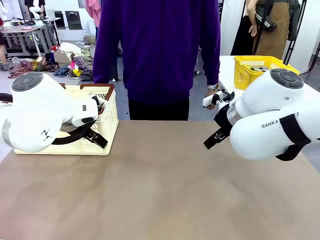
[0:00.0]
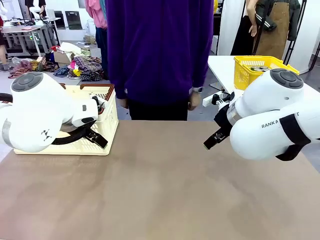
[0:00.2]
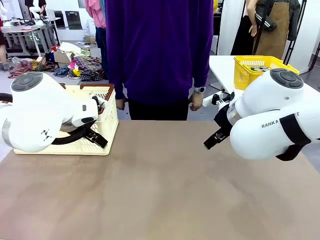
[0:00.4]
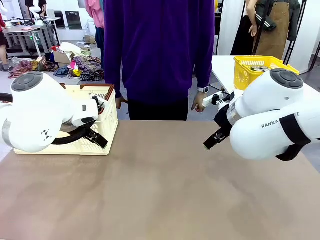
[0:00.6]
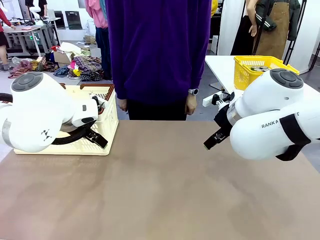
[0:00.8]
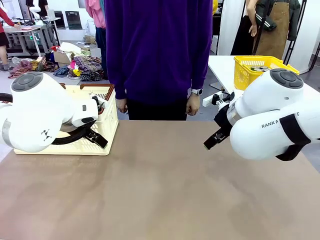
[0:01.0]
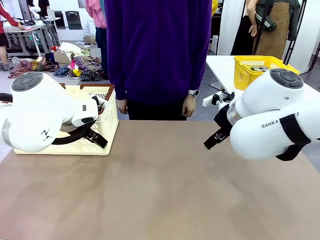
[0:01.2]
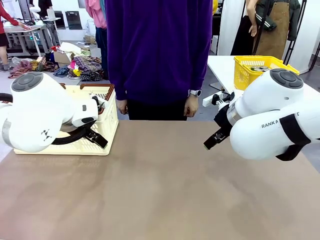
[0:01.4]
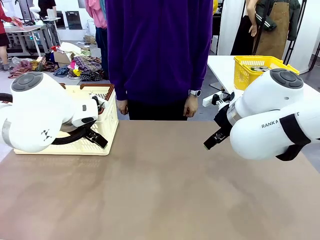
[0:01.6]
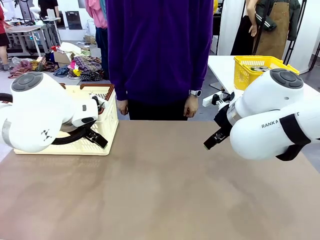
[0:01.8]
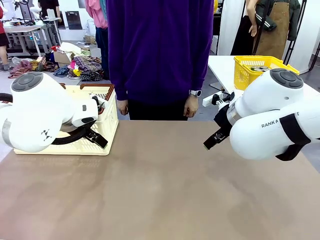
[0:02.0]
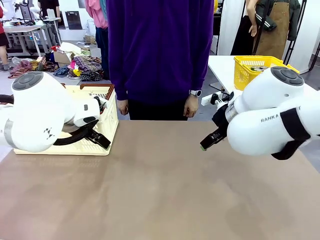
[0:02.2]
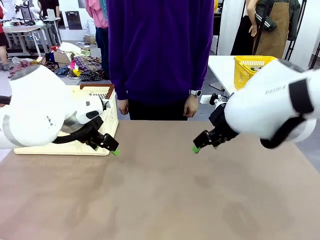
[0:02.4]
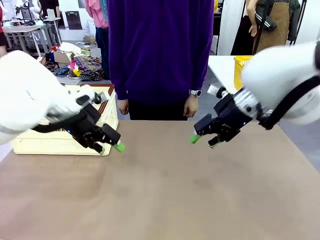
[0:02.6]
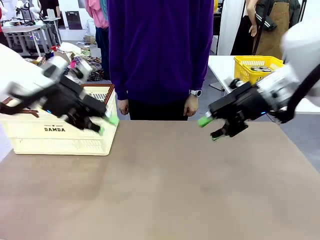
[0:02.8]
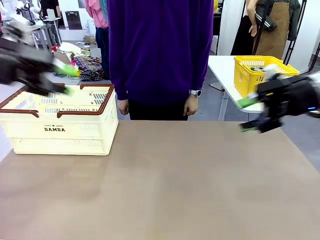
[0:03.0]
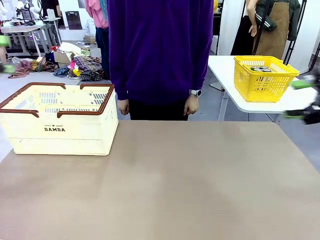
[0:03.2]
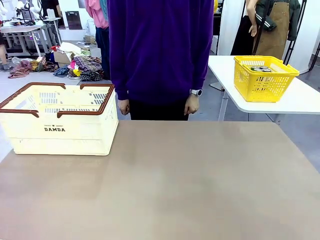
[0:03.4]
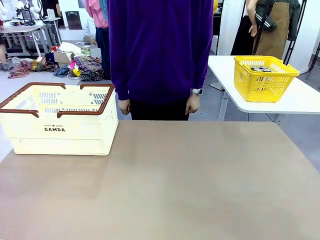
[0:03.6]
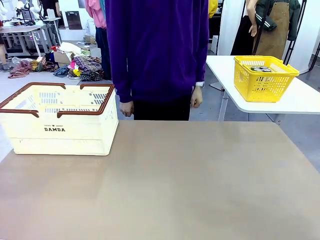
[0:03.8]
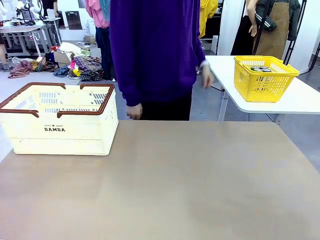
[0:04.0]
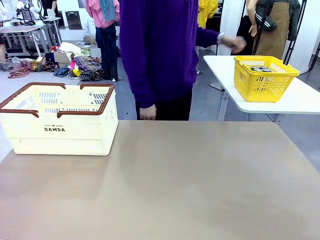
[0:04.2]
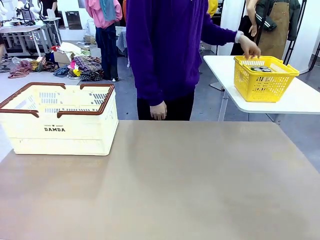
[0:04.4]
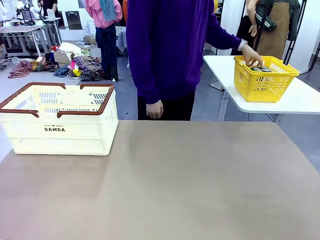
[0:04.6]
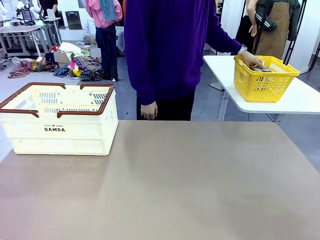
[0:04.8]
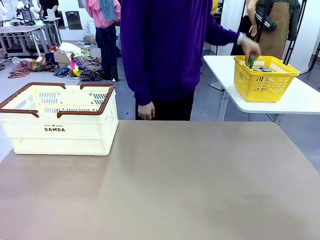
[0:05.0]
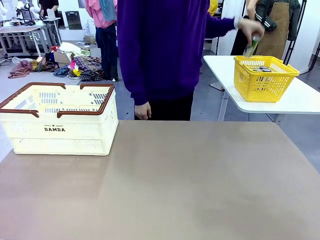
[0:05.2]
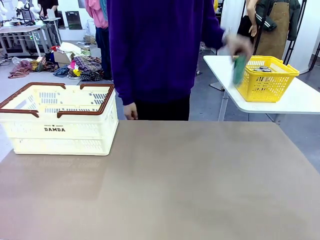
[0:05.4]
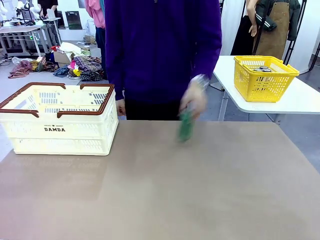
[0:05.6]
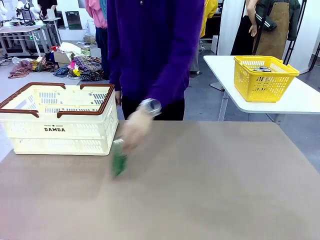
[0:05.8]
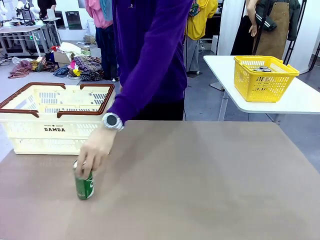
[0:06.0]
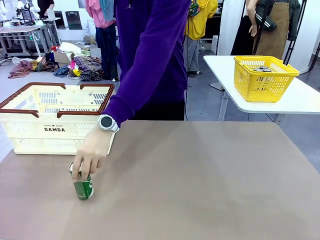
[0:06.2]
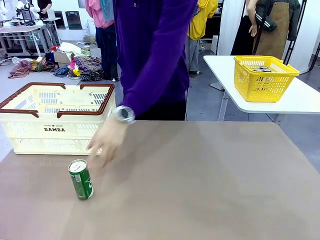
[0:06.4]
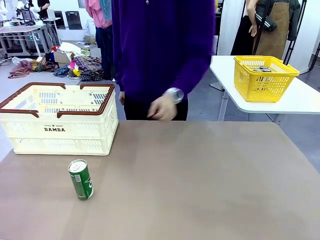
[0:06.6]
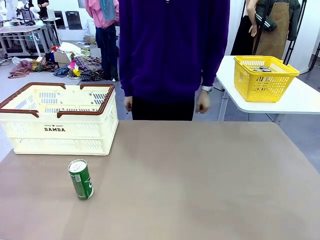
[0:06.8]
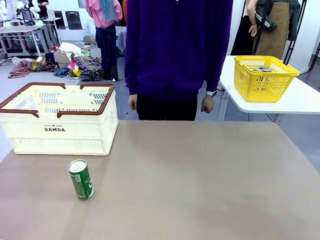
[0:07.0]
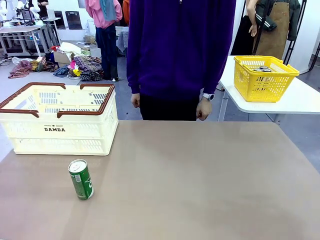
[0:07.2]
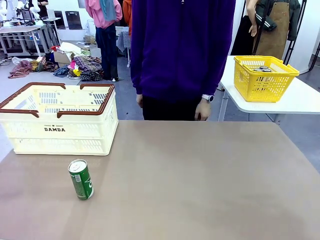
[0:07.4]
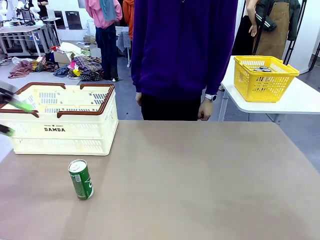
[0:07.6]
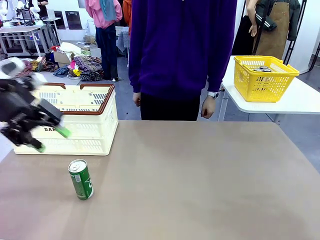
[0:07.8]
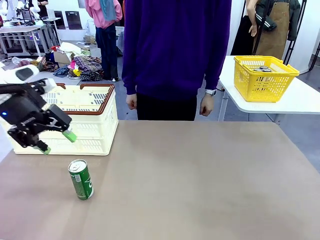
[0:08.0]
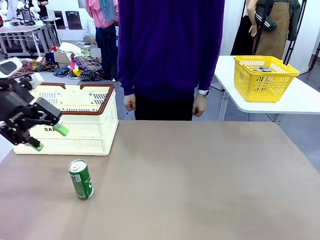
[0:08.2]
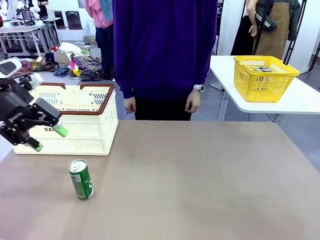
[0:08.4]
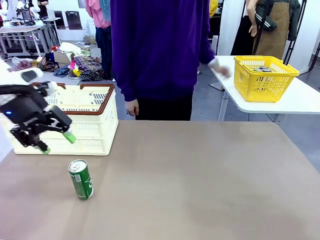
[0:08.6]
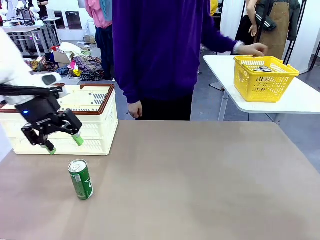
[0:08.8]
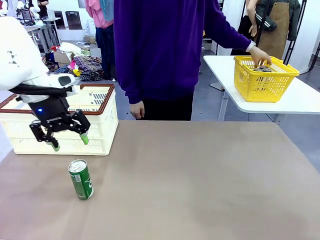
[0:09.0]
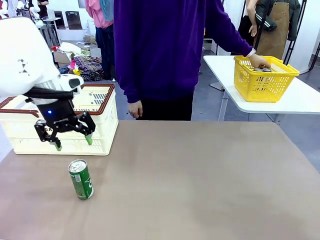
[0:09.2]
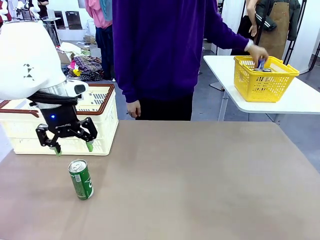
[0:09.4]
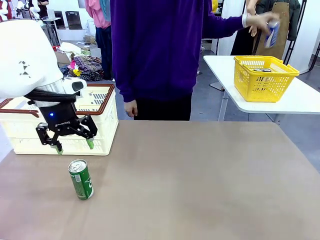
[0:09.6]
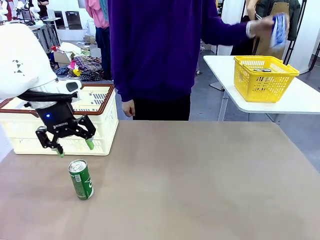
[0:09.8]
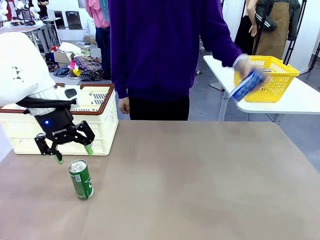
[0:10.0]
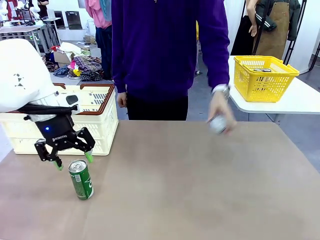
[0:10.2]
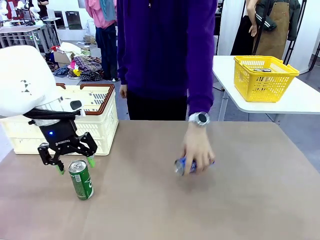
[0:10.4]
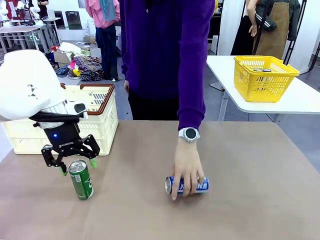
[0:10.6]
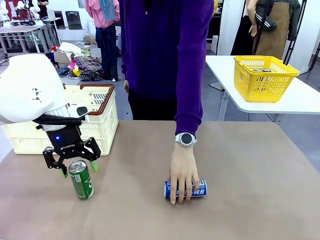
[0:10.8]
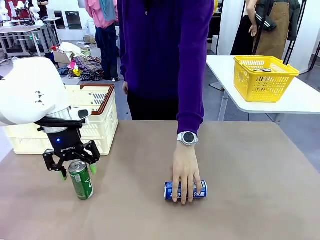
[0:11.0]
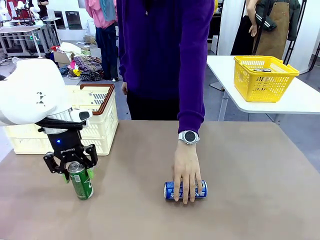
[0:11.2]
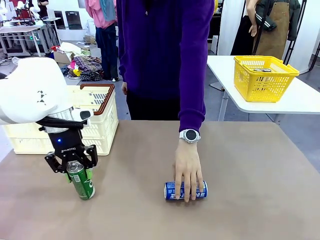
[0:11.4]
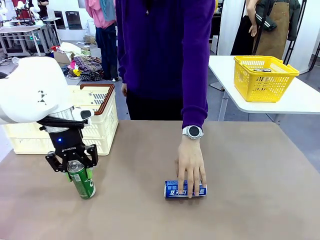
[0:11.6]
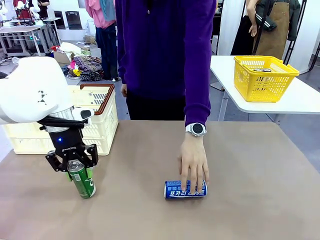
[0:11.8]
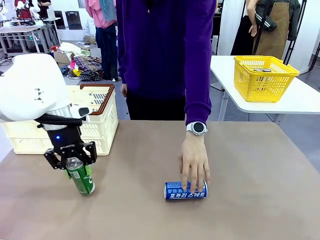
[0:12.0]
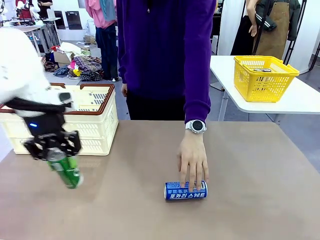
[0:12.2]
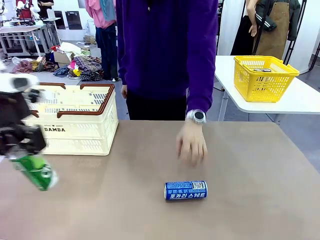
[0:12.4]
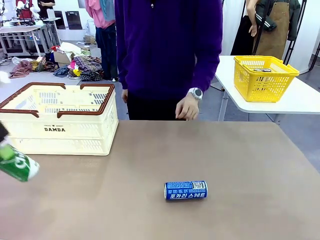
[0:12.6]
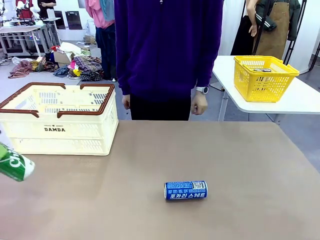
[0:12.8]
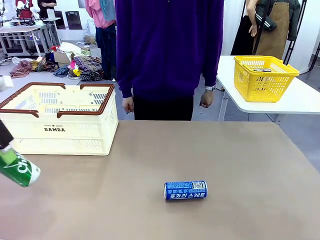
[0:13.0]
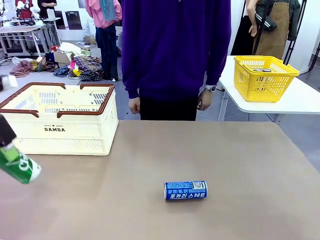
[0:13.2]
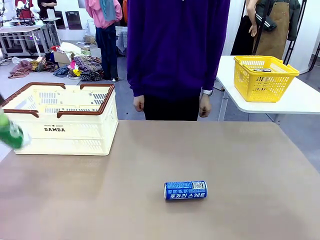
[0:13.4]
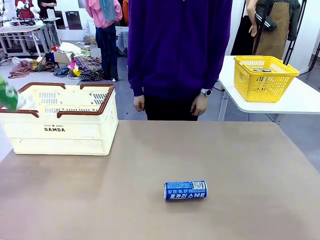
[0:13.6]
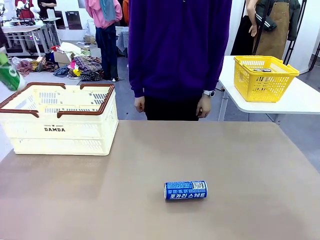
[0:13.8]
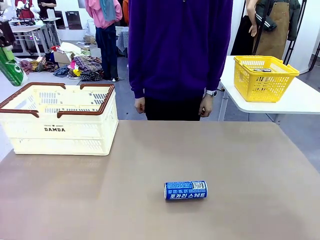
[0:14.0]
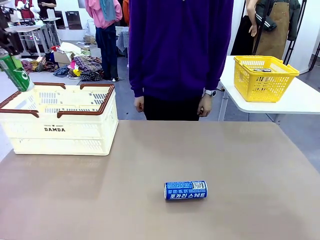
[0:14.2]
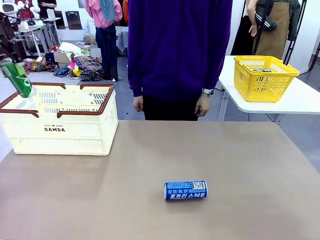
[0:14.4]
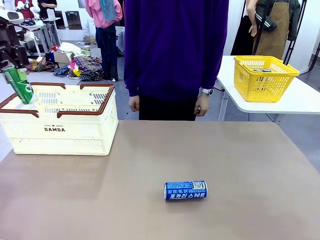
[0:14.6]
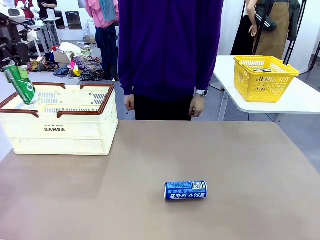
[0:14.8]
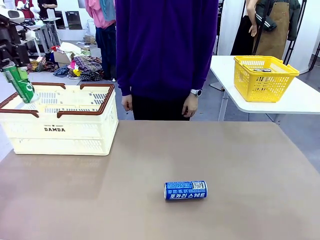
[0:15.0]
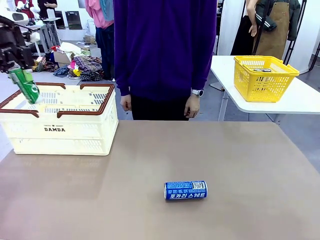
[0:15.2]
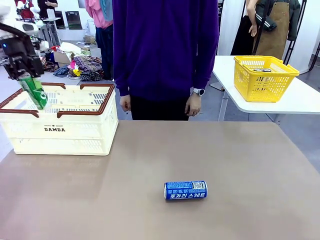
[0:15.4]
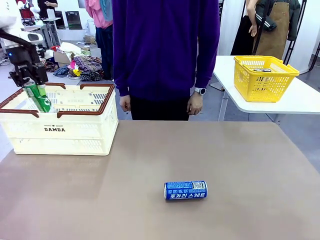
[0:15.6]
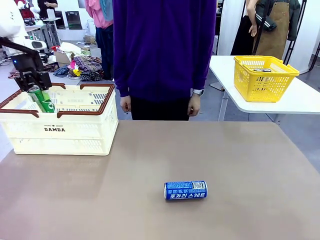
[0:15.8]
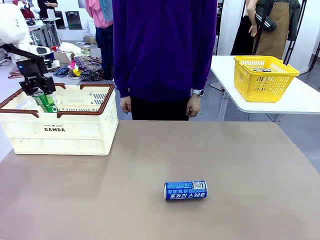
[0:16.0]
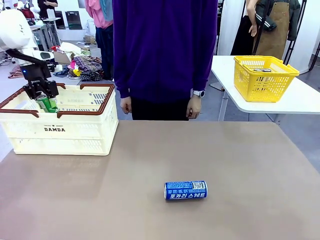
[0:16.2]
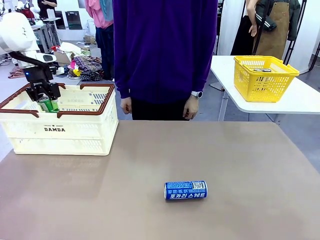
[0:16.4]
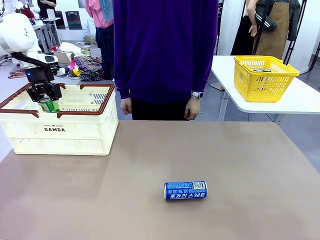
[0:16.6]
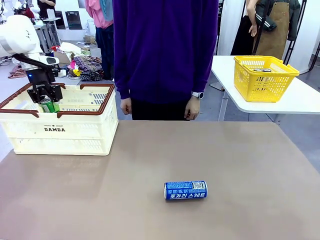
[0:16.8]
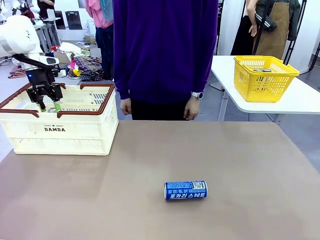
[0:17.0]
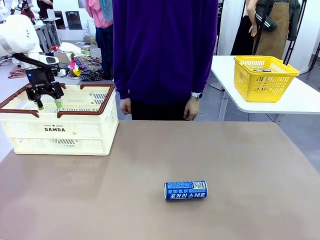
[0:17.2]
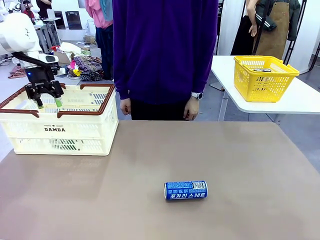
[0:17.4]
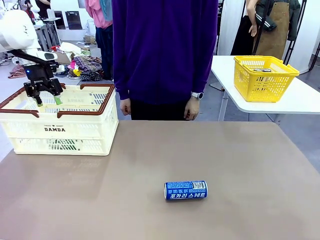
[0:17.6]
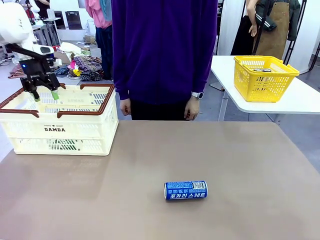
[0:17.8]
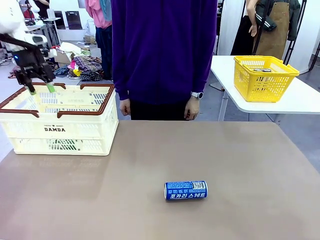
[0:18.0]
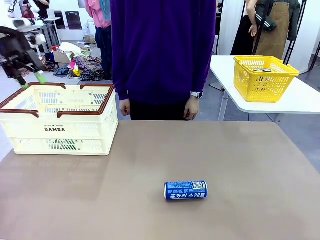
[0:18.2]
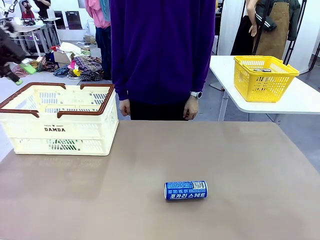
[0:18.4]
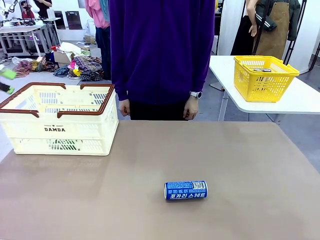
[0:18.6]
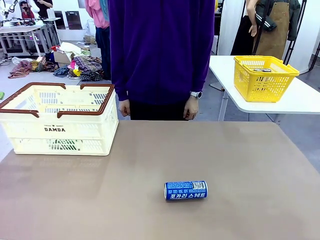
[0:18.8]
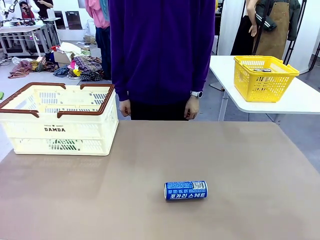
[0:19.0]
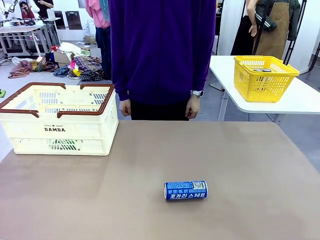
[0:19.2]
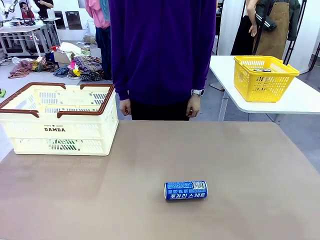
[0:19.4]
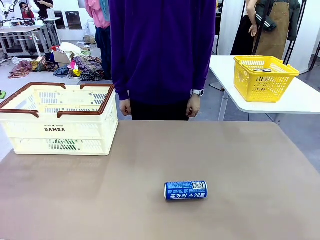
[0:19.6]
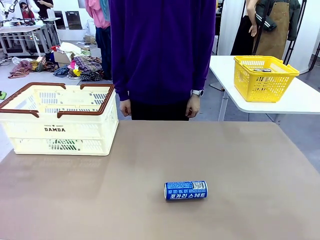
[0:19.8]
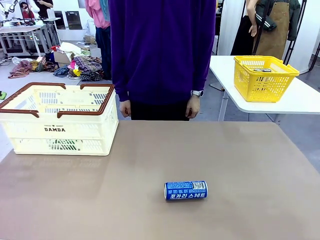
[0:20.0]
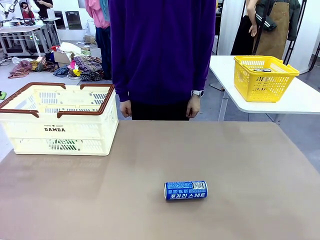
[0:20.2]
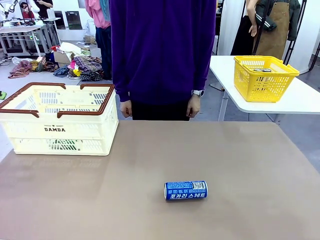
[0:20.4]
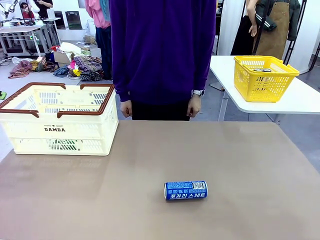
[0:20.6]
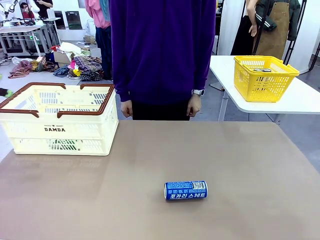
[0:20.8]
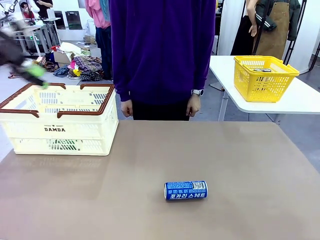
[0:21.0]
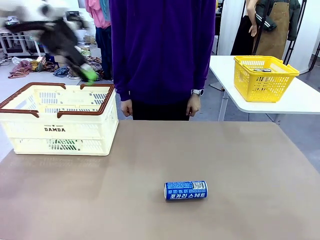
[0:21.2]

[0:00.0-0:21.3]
Task: Place the drinks into the Shopping basket.
Robot: Pick up one drink and place it into the Shopping basket.
